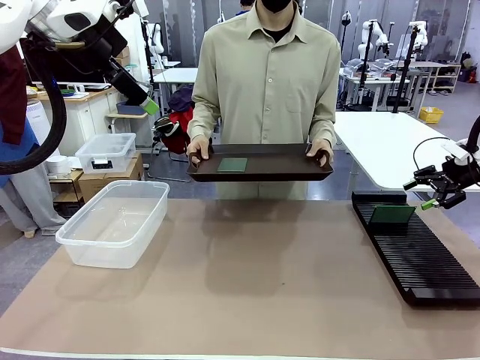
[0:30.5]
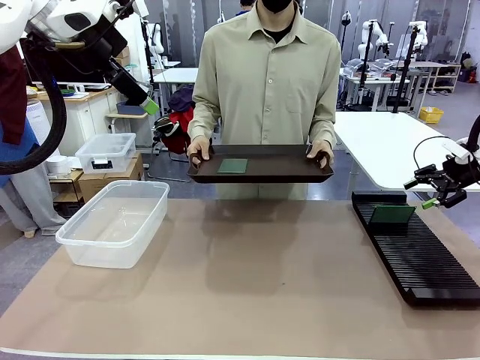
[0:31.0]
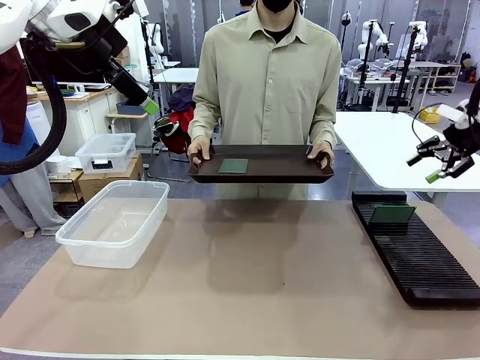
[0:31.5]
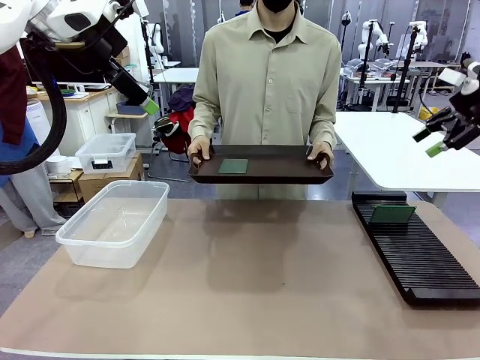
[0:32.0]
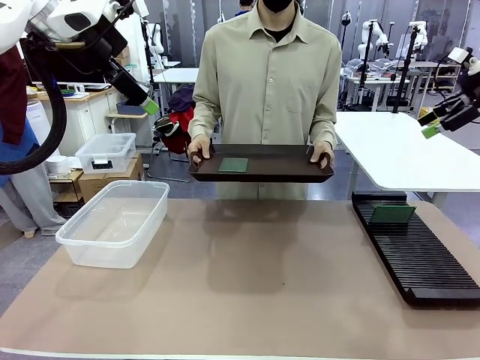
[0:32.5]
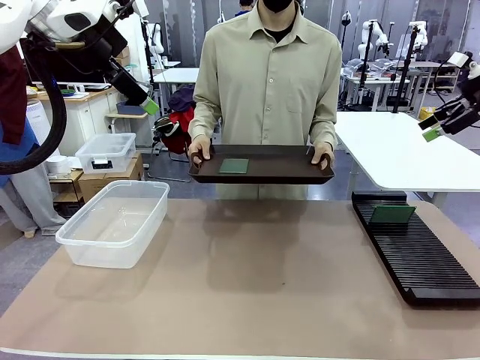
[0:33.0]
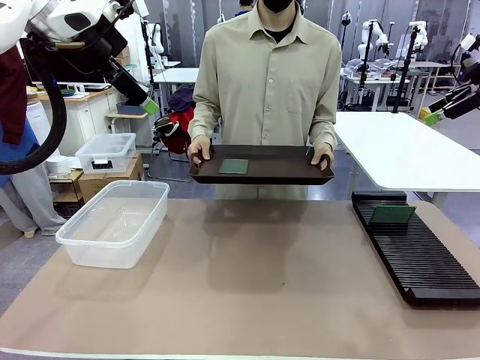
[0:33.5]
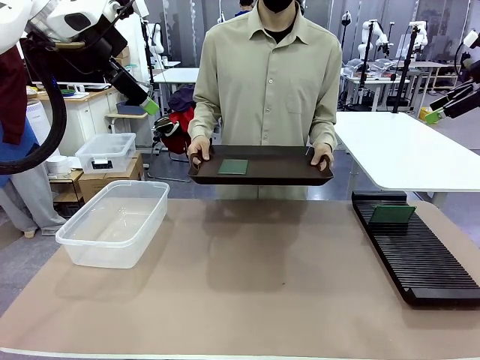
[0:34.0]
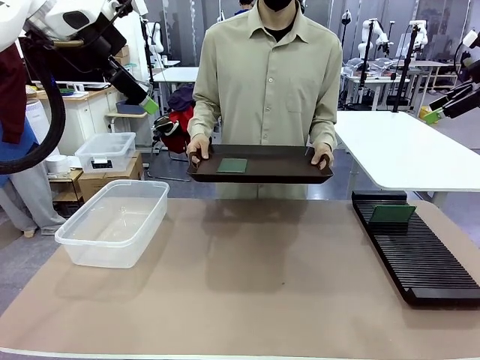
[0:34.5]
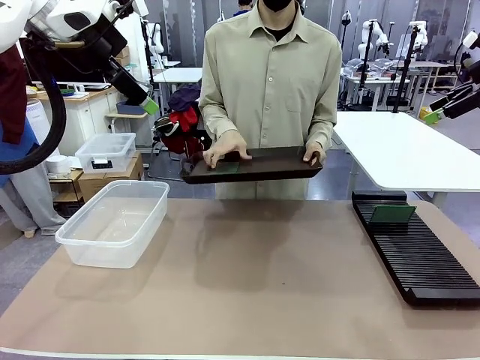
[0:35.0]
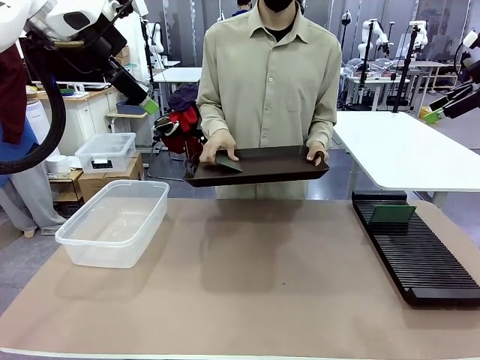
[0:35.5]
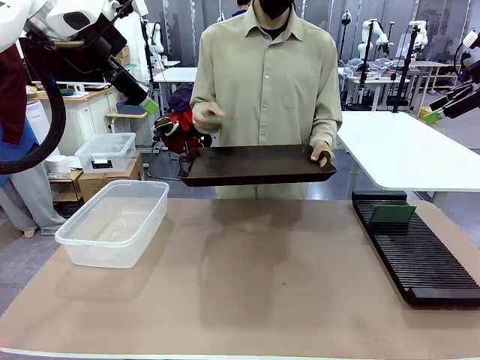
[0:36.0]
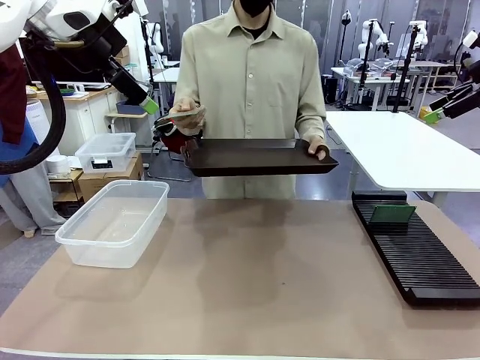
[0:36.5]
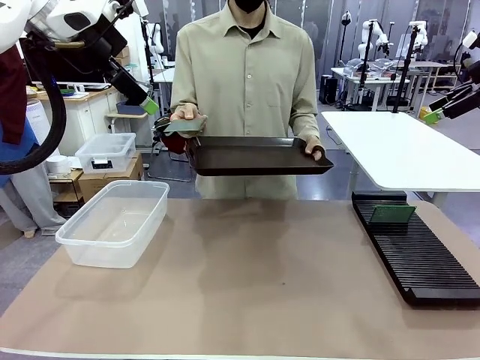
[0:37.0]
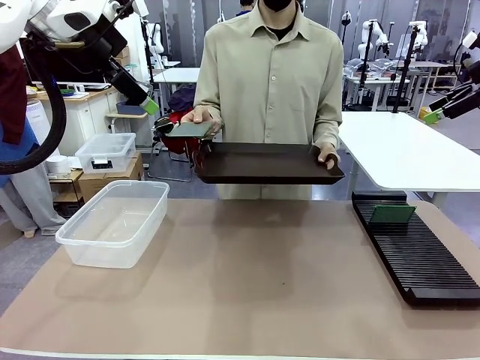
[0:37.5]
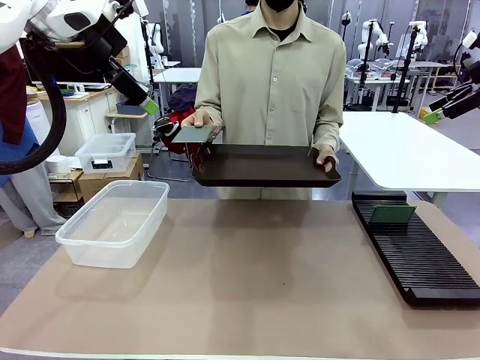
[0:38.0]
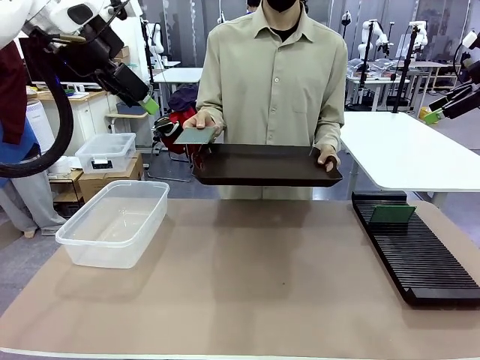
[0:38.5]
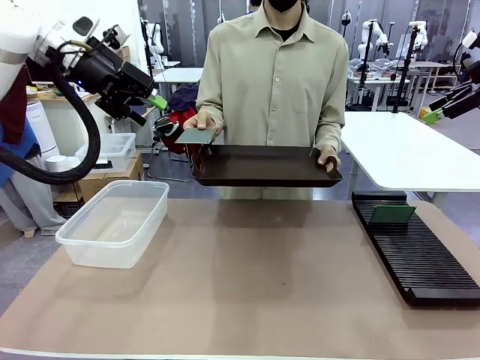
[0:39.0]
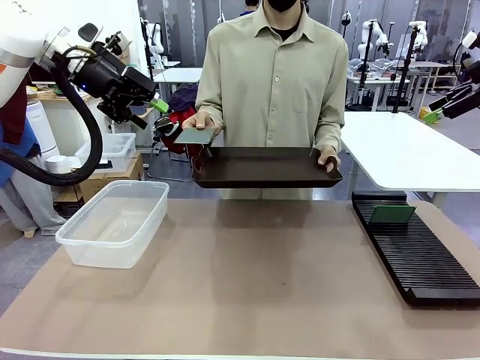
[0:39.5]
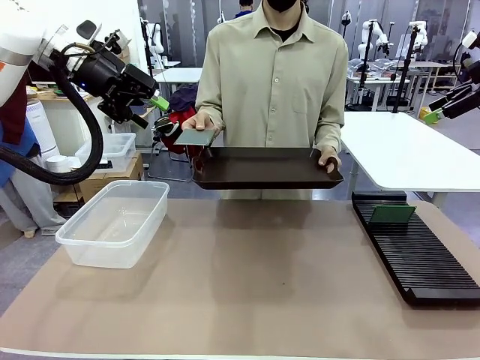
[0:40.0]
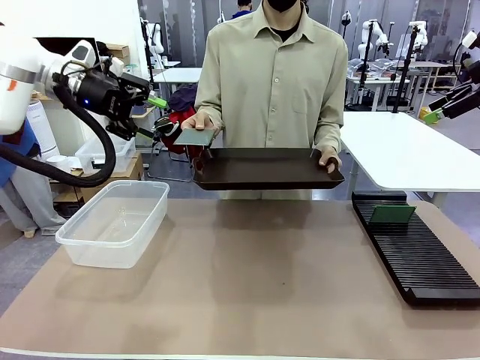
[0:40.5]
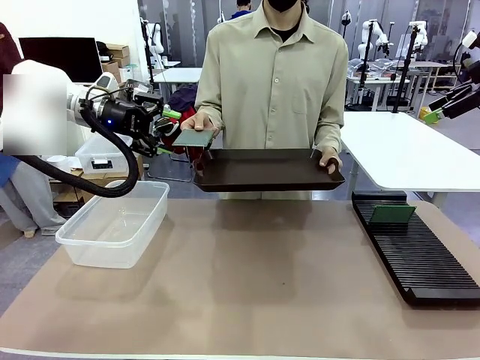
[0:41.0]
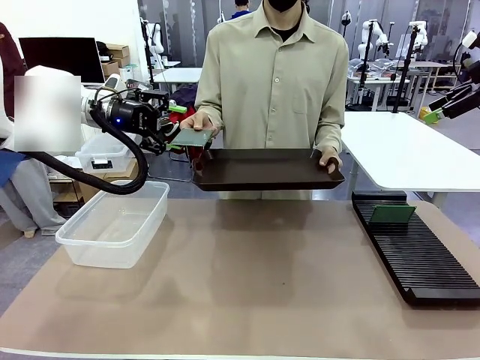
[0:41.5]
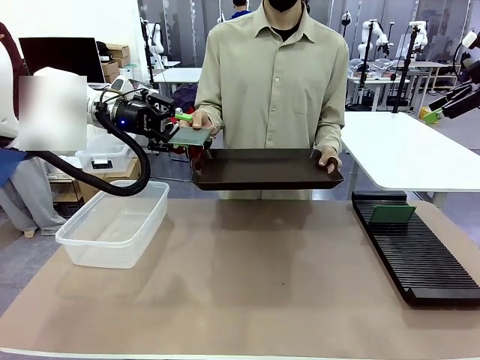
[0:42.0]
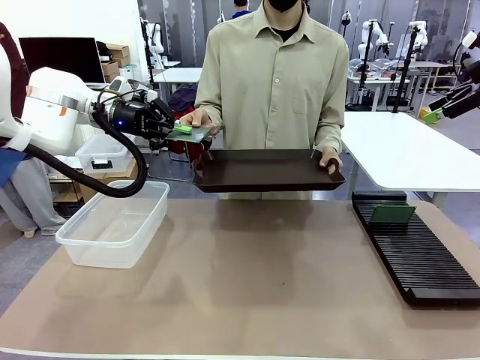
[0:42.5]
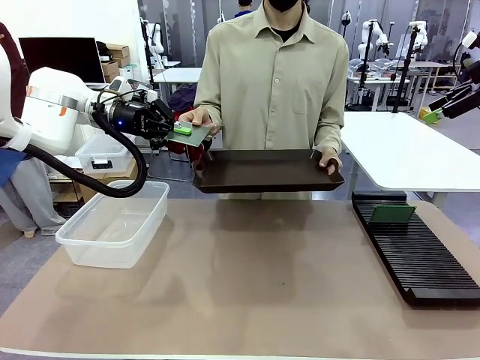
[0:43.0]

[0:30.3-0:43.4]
Task: Sort PCBs into racks and boxes based on the side picked up.
Robot: Pick up the Blank PCB handed by the Human.

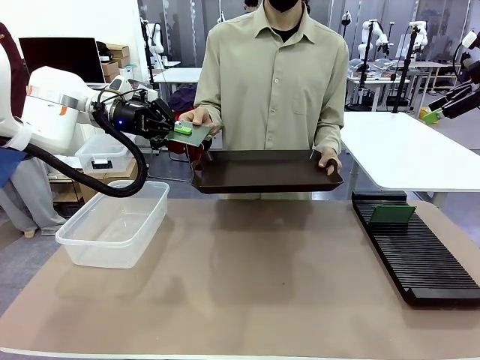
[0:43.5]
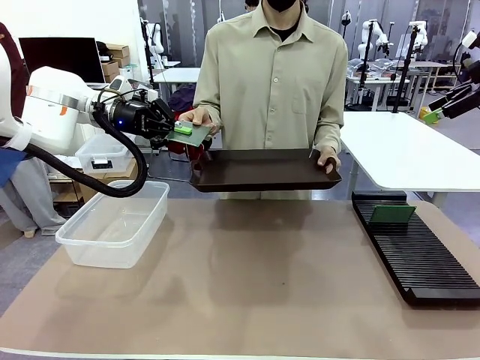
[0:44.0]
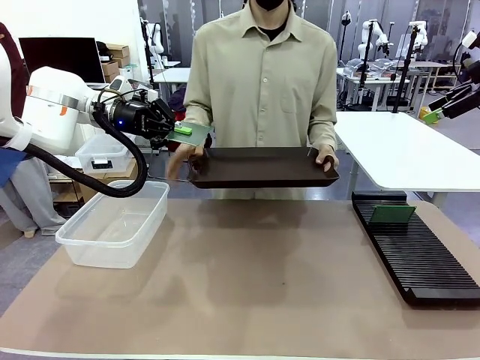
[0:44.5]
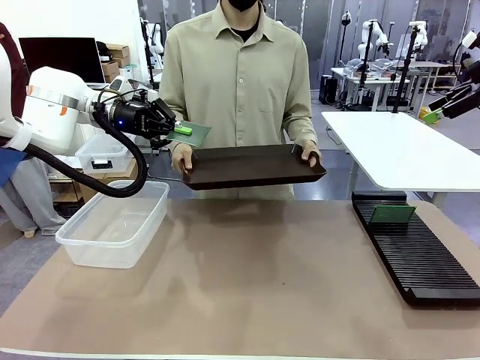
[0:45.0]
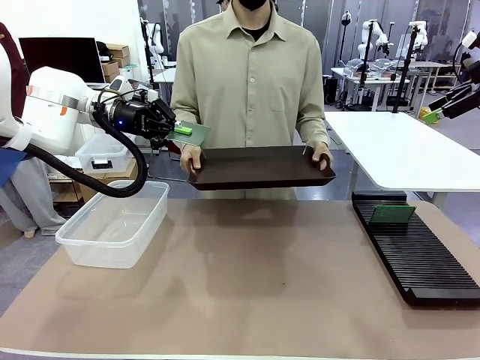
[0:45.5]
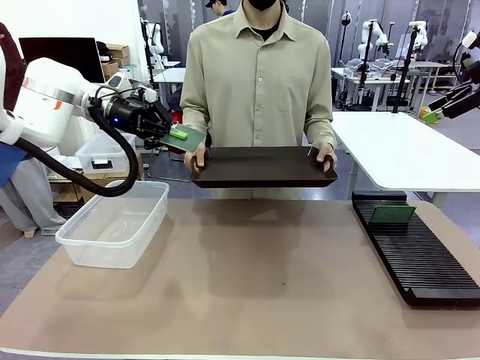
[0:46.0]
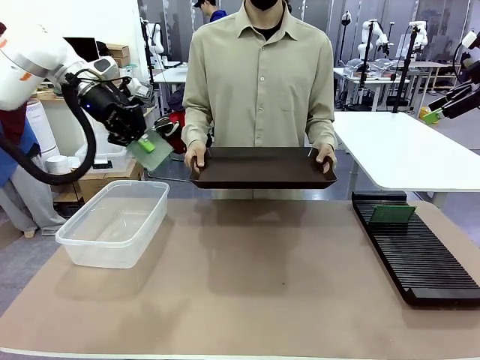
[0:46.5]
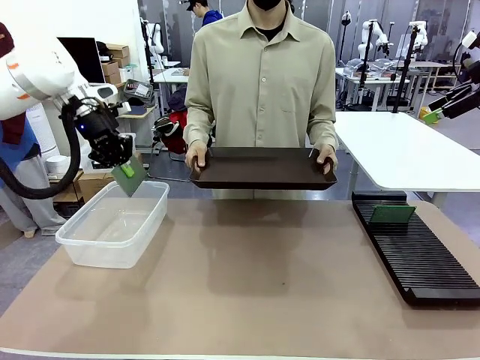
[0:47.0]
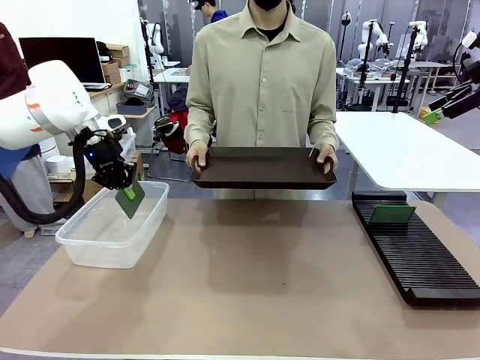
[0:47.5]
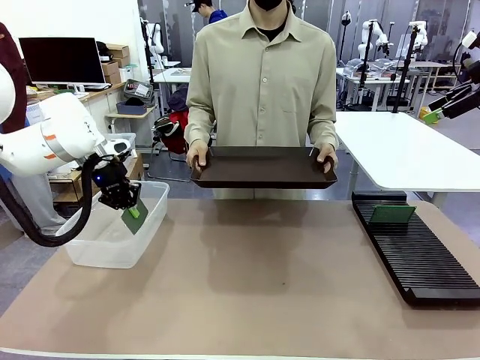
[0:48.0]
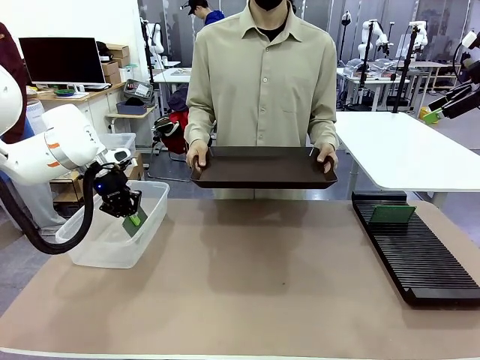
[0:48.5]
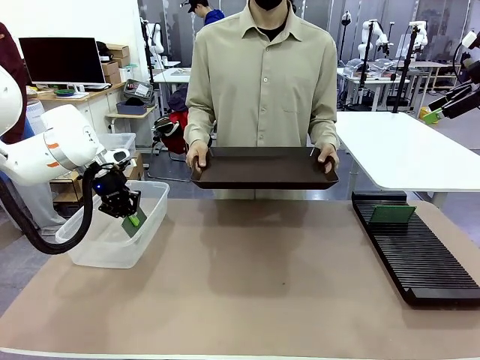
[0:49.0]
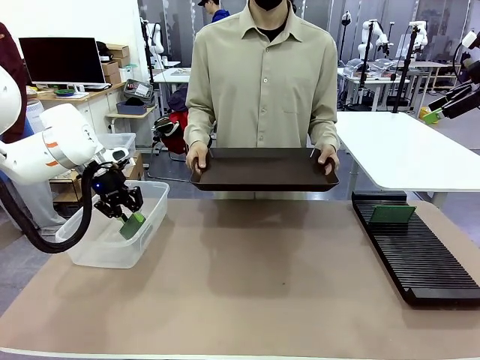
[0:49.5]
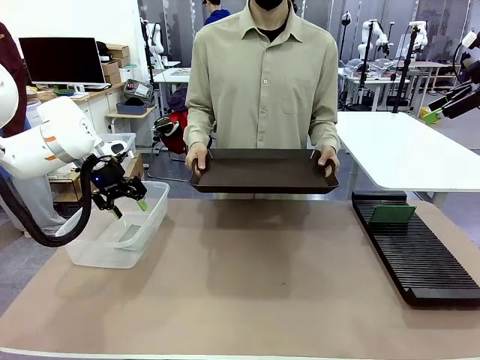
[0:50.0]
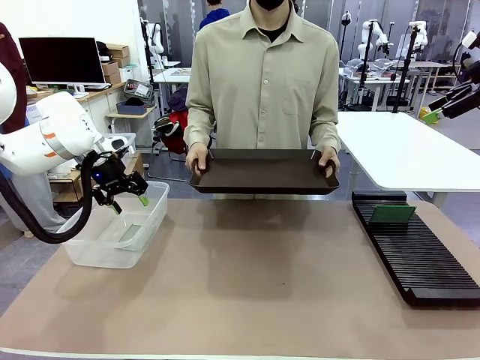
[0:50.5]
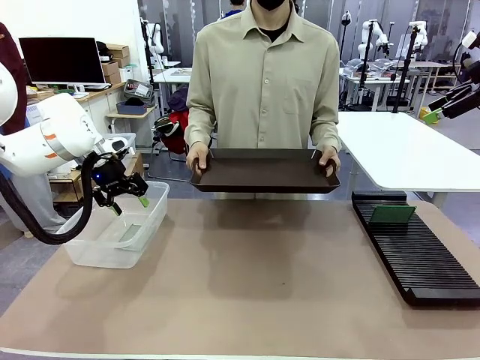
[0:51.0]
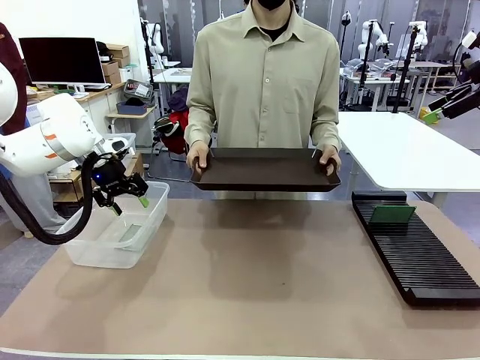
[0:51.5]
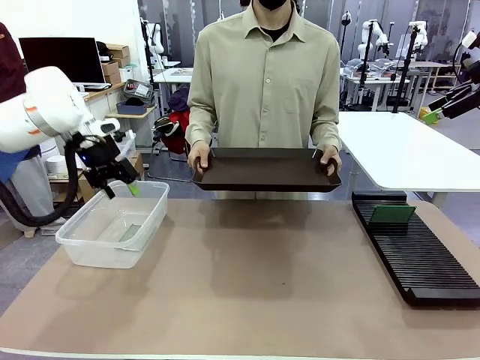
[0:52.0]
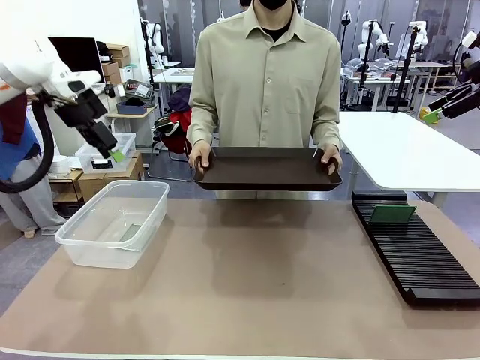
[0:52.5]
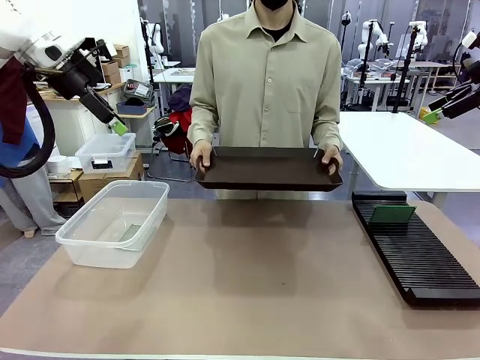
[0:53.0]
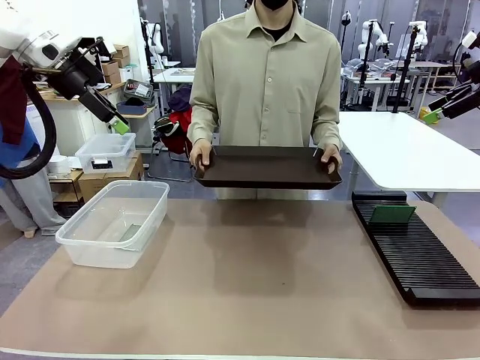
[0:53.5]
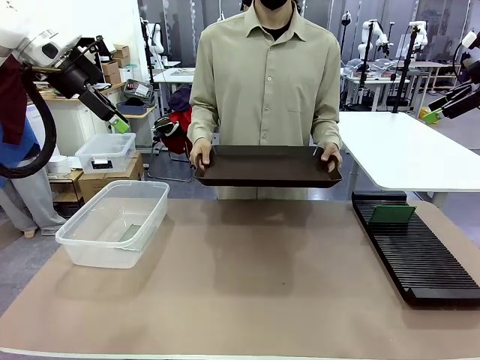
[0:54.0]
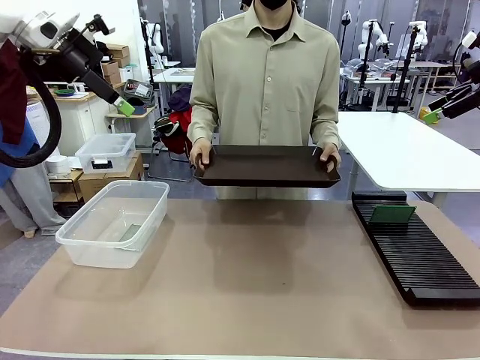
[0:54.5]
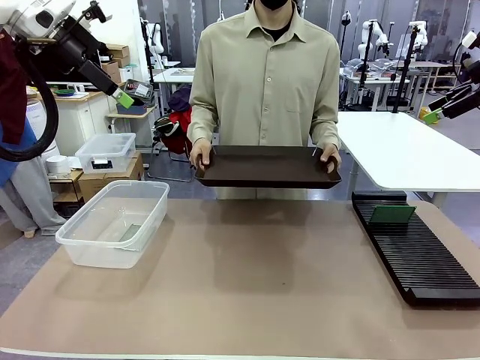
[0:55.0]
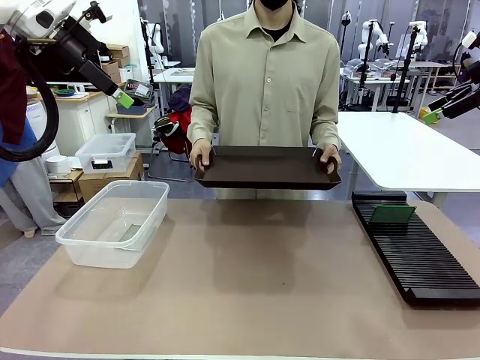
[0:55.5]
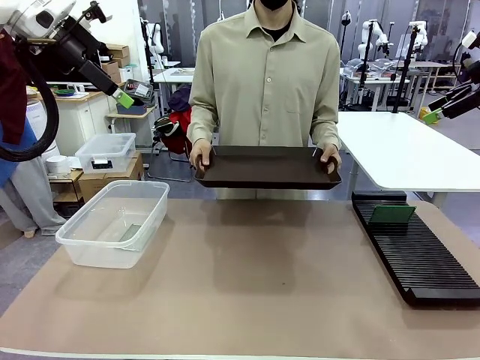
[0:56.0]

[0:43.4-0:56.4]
Robot: If the short side of the Blank PCB is picked up, insert it into the PCB Rack ; if the long side is picked up, place it in the Organizing box.
Person: Release the PCB being held.
